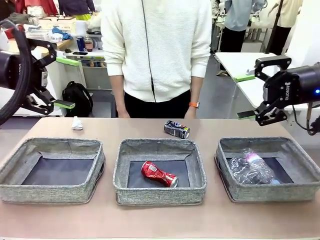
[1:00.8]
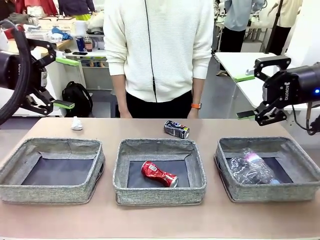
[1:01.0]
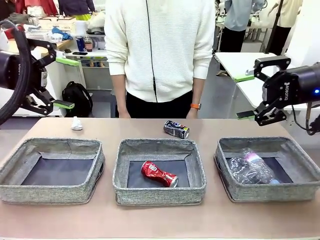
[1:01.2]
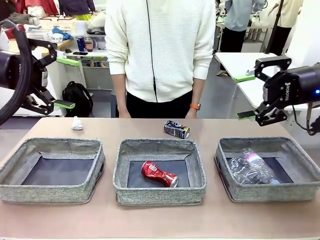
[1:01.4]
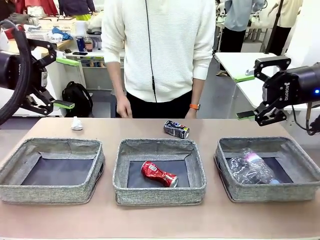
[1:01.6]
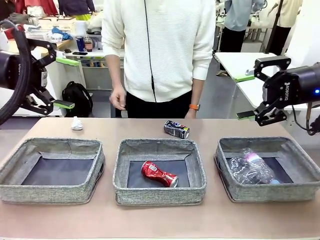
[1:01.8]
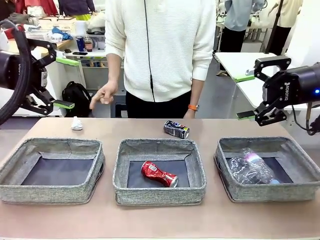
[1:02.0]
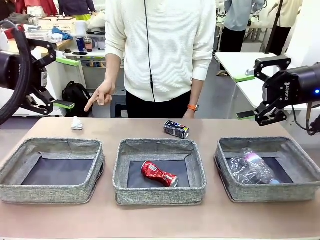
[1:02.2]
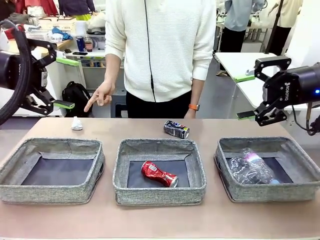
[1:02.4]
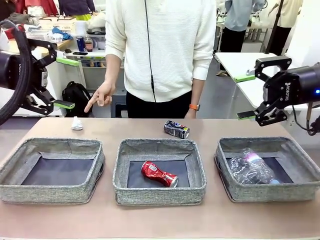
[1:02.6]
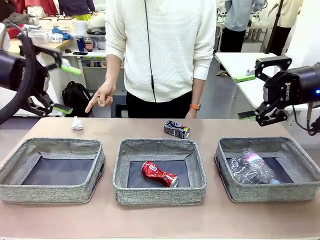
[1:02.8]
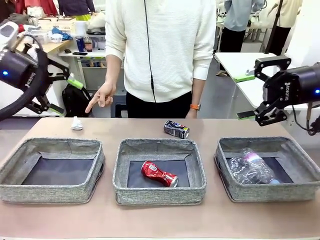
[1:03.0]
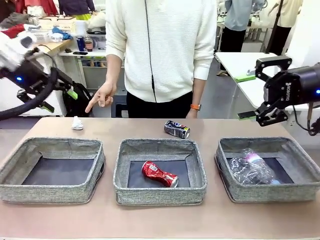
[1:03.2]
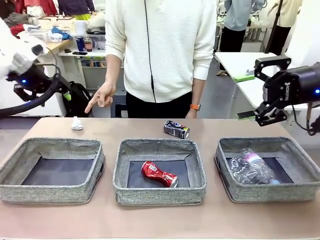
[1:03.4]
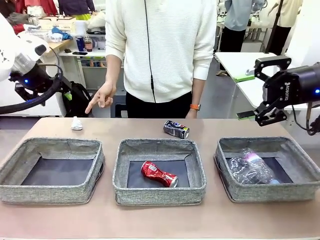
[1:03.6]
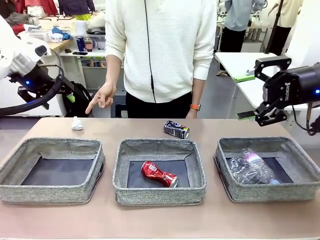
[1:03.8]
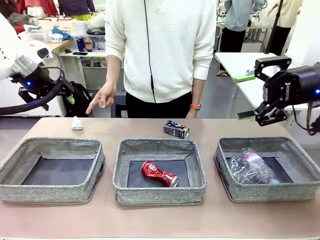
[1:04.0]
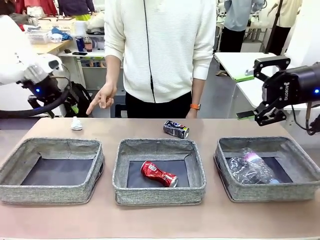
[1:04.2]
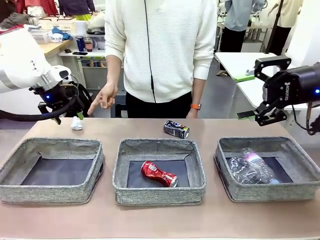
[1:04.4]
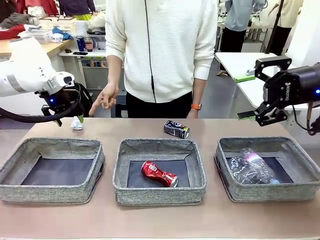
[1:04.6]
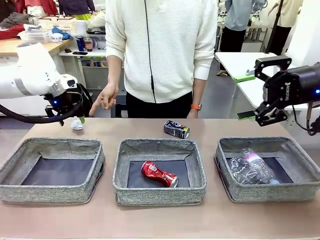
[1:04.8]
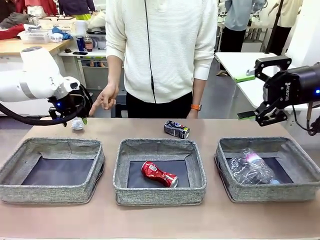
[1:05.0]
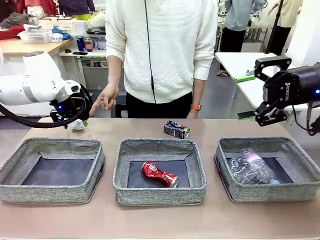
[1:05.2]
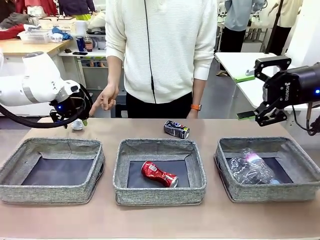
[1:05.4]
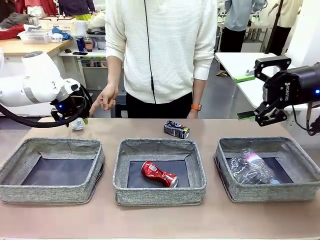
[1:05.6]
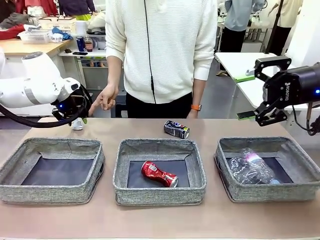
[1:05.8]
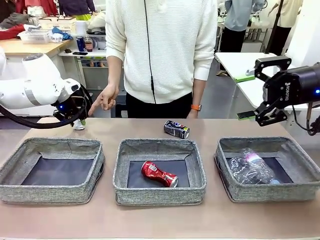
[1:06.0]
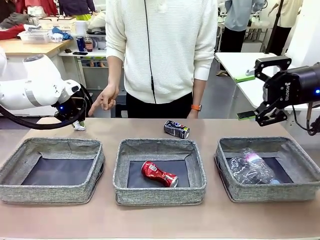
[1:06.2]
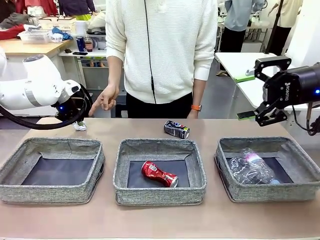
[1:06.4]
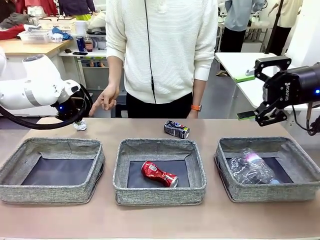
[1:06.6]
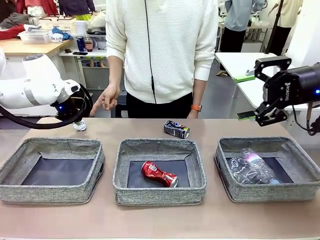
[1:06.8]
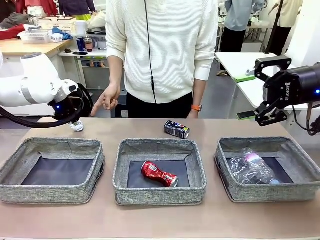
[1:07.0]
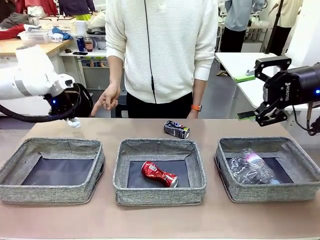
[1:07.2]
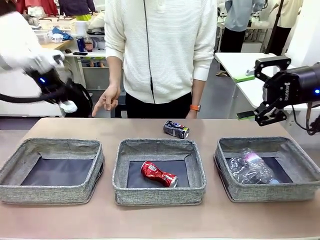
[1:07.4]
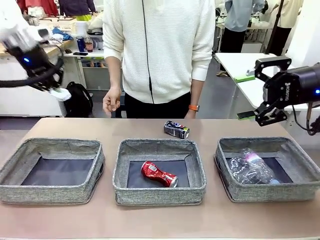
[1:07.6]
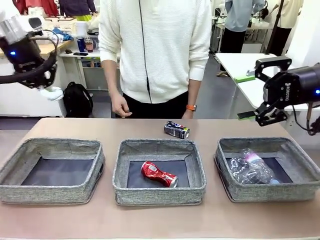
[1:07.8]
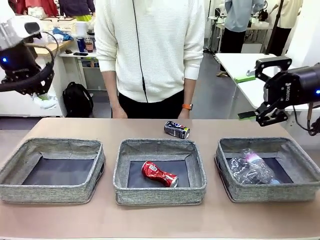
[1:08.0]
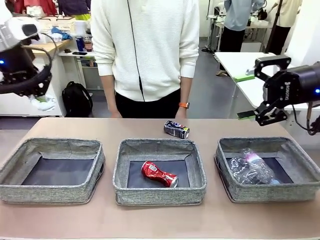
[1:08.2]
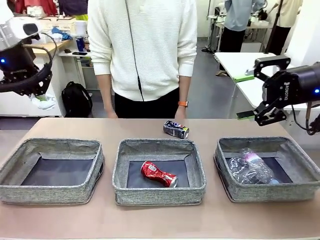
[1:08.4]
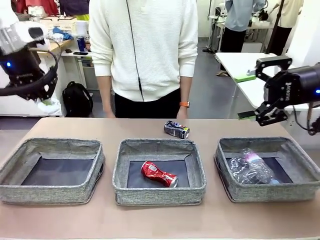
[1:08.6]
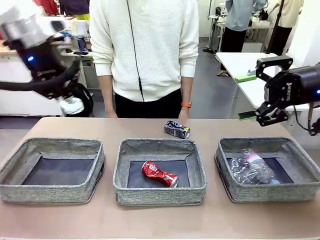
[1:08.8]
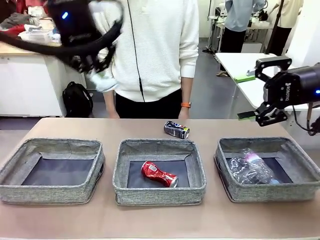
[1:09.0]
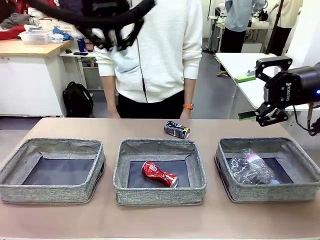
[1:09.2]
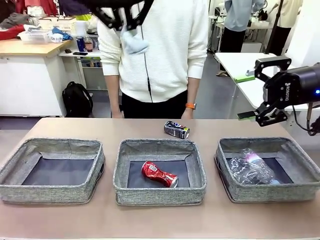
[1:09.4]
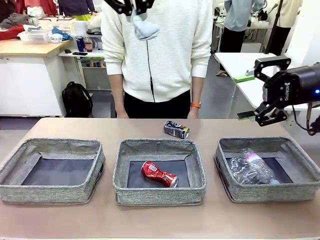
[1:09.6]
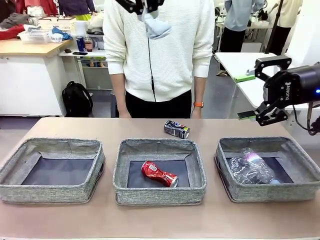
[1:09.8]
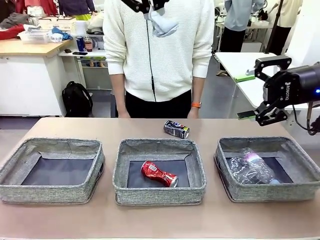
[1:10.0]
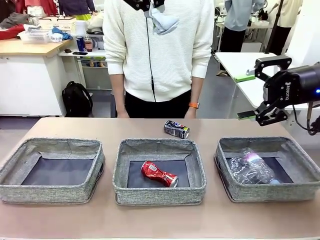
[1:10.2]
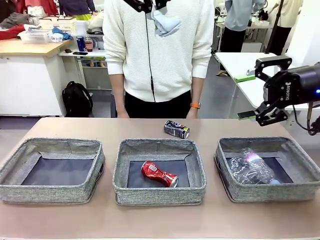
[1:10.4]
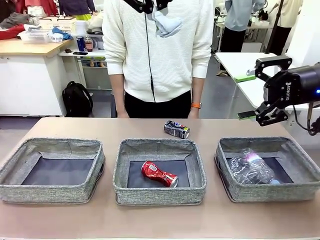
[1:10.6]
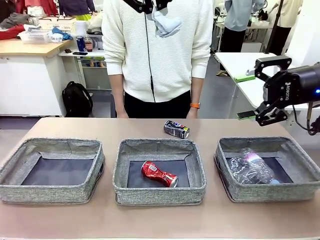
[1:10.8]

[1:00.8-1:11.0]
Task: Sort the waste into the appropriate baskets.
Robot: Pick up the waste item pointed out by the person.
Person: Points to one piece of trash on the table.

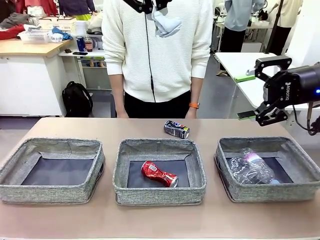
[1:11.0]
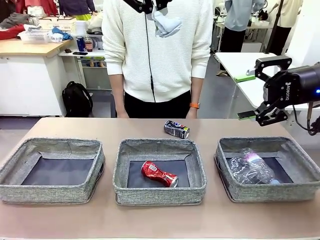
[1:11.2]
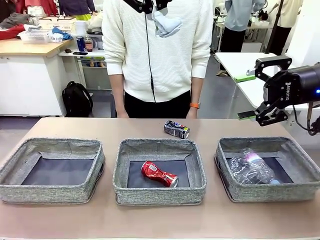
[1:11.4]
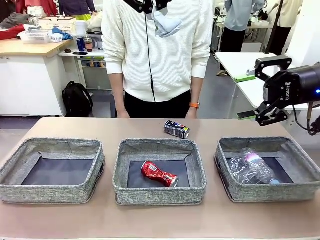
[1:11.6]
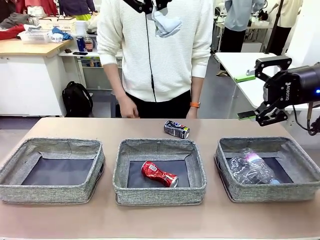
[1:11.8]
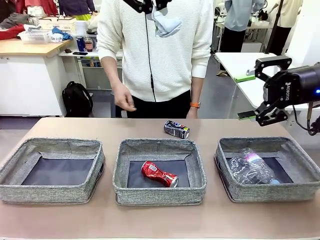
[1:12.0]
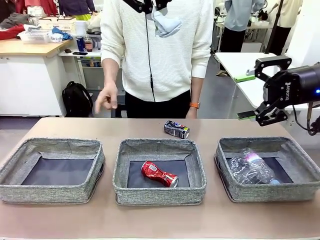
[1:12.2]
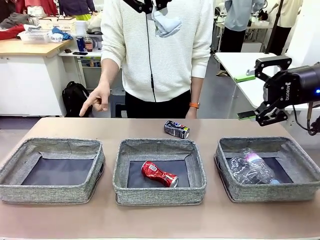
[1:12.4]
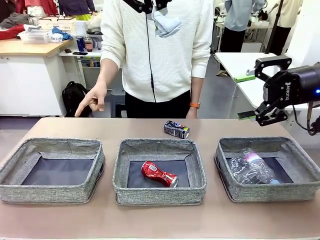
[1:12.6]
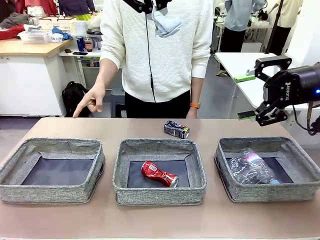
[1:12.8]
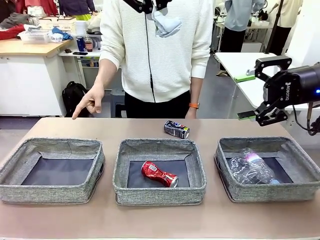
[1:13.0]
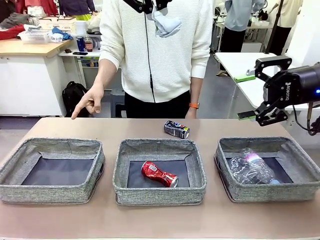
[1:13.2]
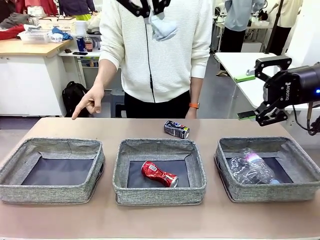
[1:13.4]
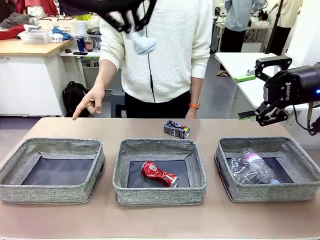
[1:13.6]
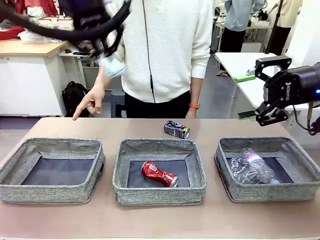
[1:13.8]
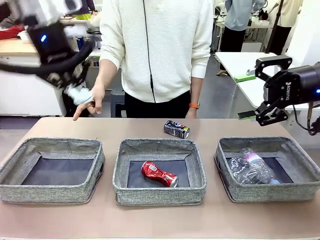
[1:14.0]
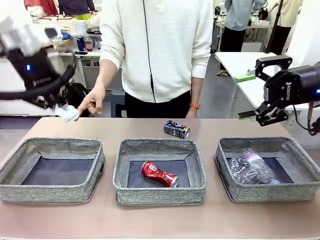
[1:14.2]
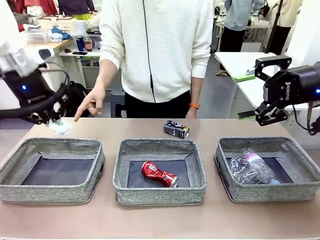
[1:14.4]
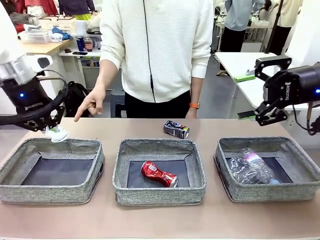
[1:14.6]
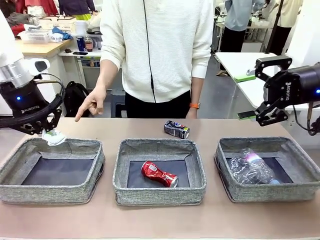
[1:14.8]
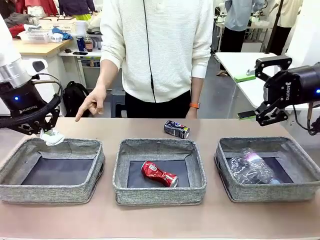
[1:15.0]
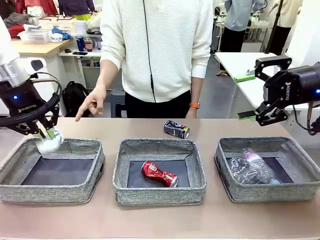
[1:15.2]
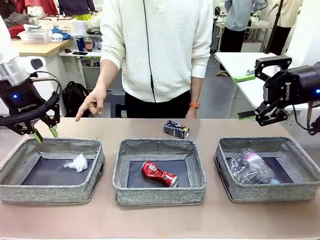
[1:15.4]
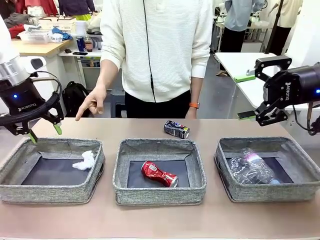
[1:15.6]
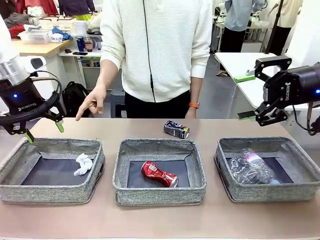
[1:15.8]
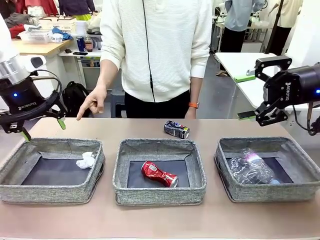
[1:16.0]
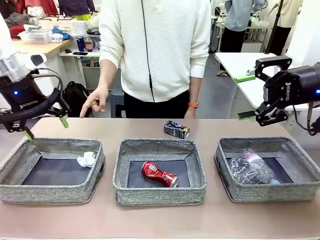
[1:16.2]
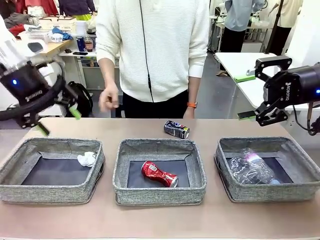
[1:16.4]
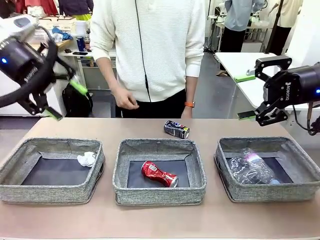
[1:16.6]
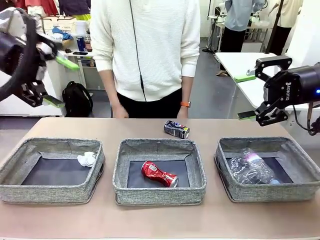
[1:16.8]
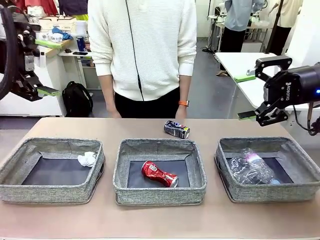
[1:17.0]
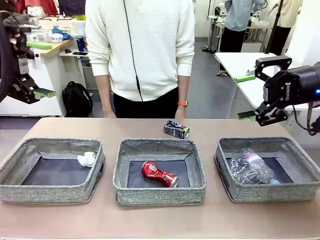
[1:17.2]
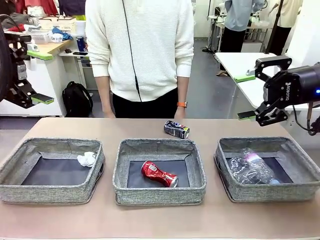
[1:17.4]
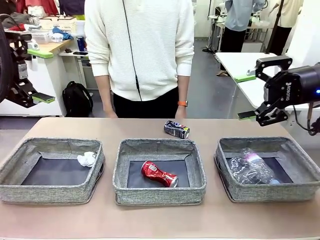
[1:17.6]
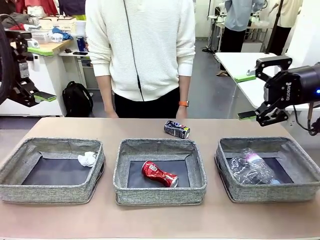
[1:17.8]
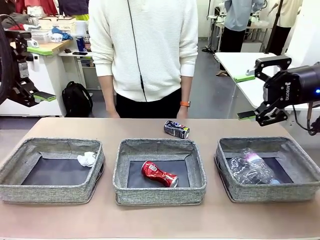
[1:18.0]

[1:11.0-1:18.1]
Robot: Place the picked waste into the Fabric basket indicated by the person.
Person: Instructs the robot to place the picked-up trash into the appropriate organizing basket.

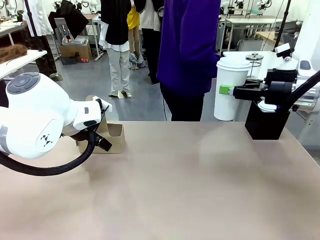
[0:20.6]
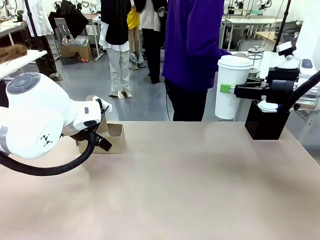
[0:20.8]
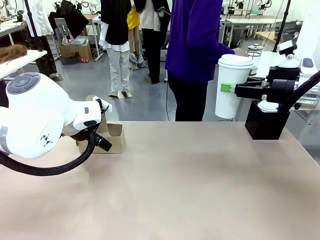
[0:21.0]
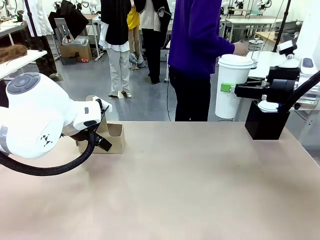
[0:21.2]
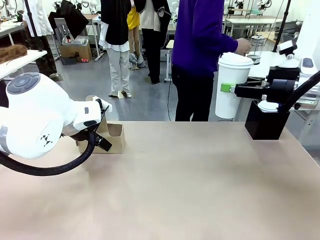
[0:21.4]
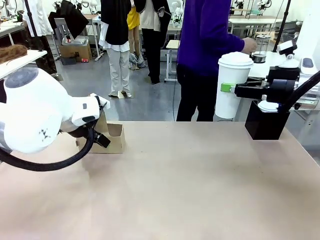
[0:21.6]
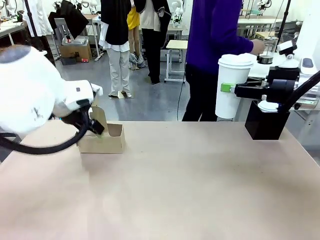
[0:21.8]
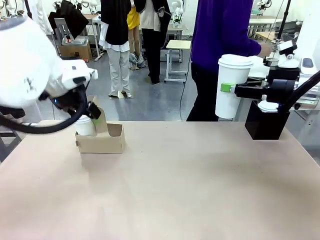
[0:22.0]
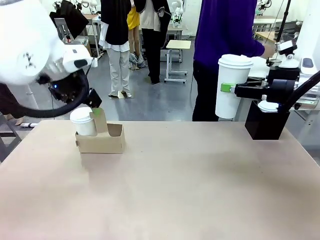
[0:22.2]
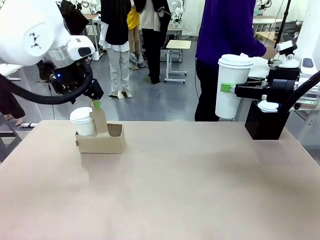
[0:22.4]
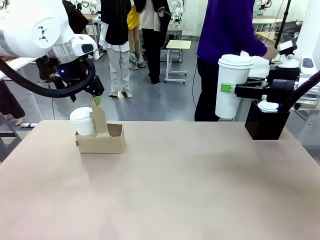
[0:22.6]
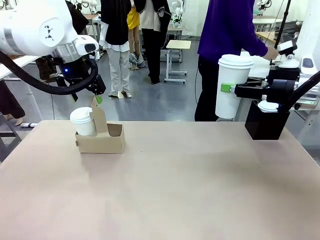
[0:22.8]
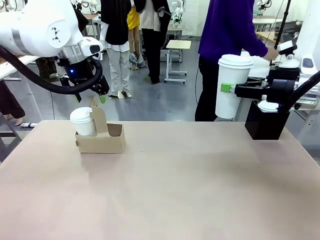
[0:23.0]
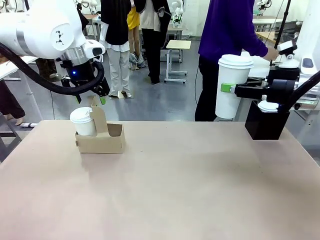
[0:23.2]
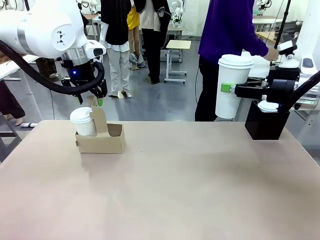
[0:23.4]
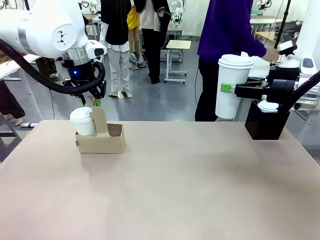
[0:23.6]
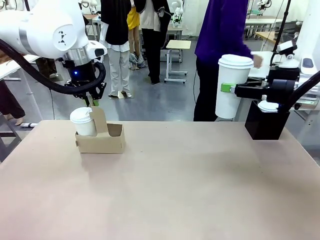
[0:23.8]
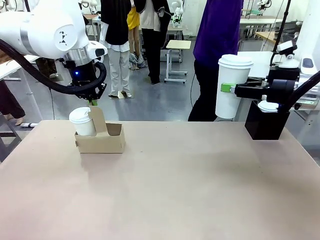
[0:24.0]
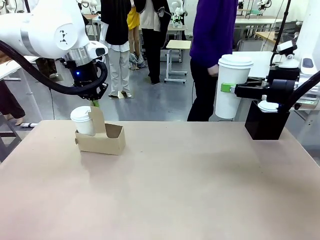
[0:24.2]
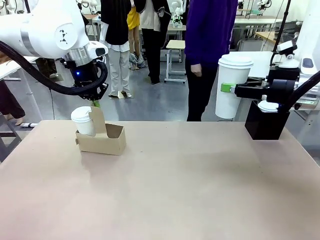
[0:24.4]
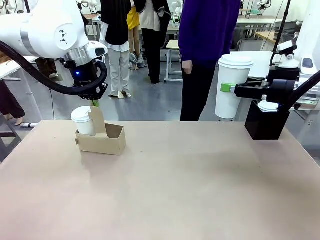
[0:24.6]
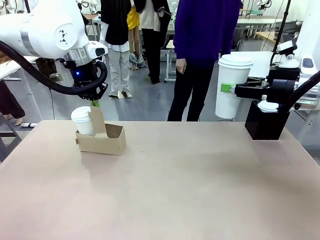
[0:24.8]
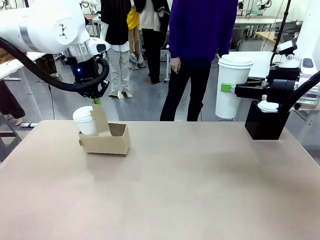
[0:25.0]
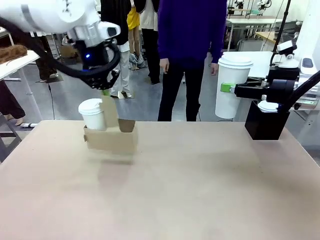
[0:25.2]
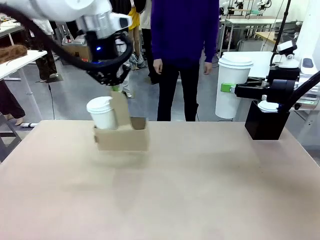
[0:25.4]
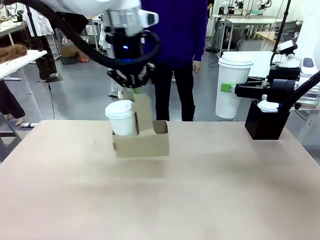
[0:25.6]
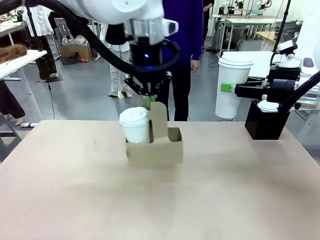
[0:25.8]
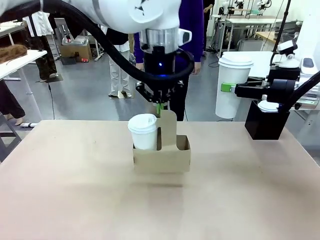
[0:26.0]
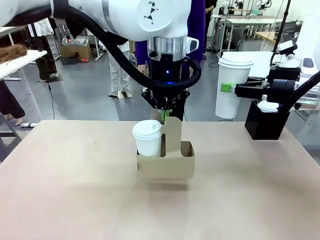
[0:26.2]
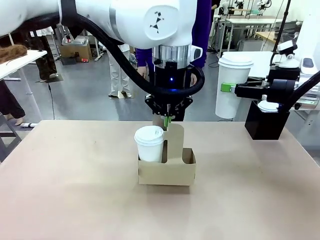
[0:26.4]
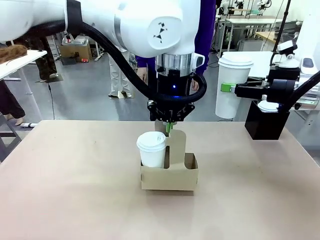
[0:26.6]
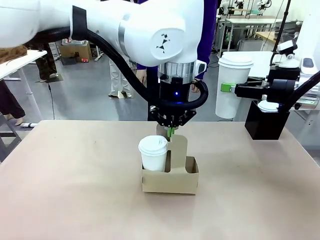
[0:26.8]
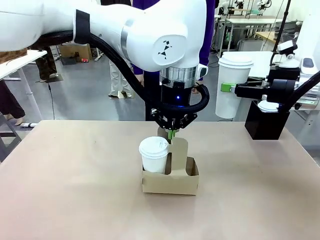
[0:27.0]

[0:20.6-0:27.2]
Task: Pour a drink into a cup and package it in a carrier.
Robot: Position the Cup Carrier in the center of the table.
Person: Pick up the Filter Brewing and place on the middle of Human table, and return to the Robot table.
